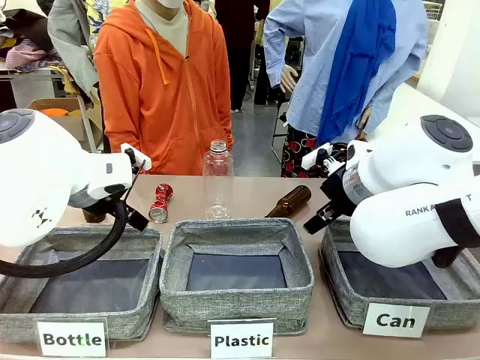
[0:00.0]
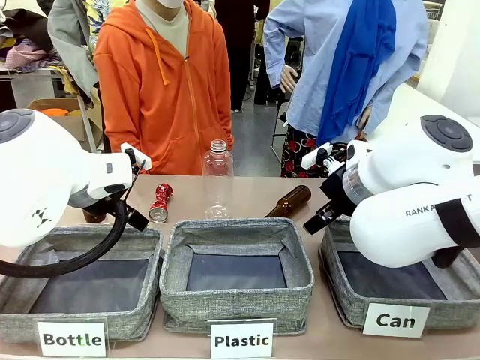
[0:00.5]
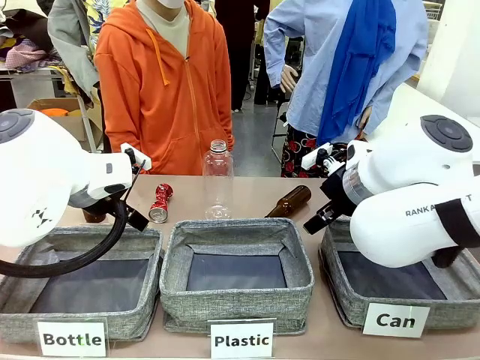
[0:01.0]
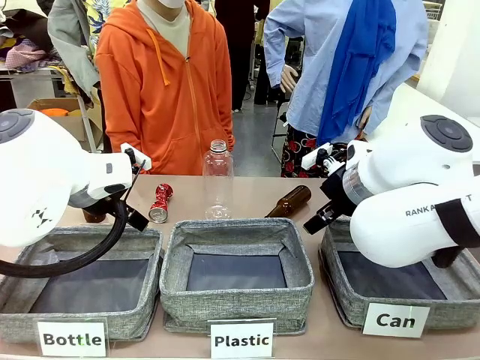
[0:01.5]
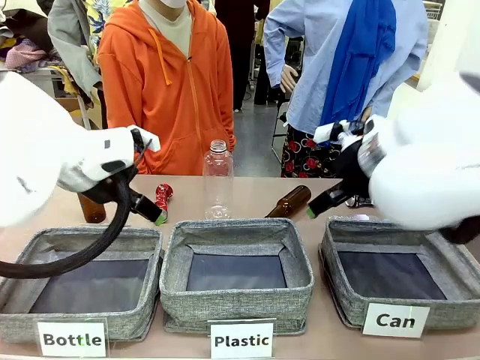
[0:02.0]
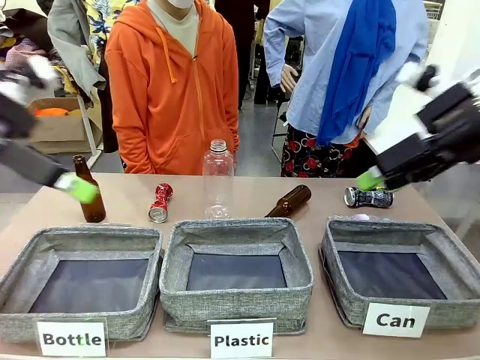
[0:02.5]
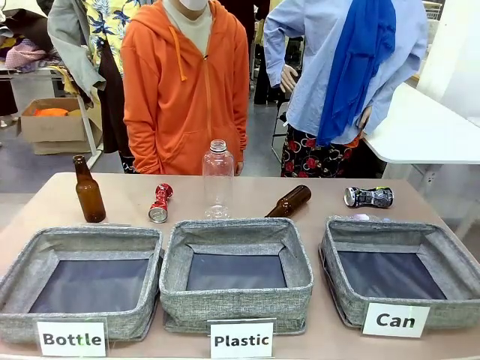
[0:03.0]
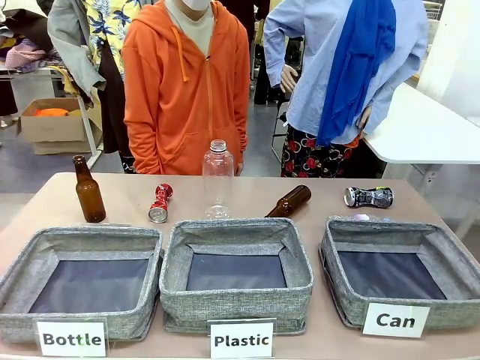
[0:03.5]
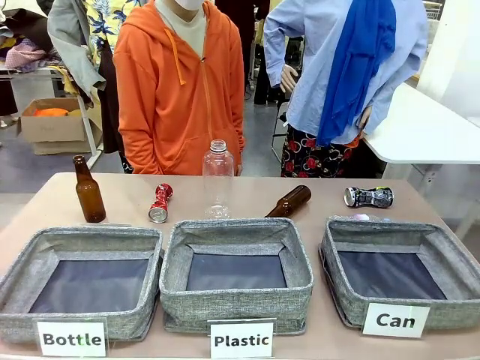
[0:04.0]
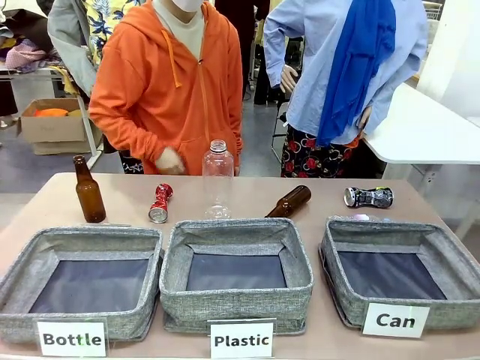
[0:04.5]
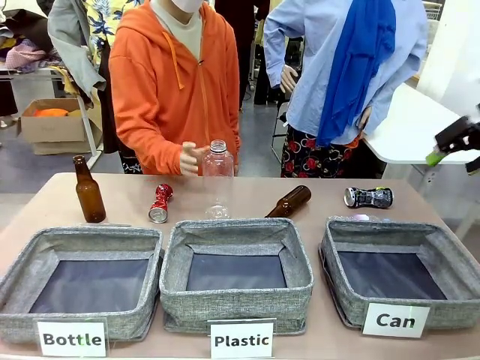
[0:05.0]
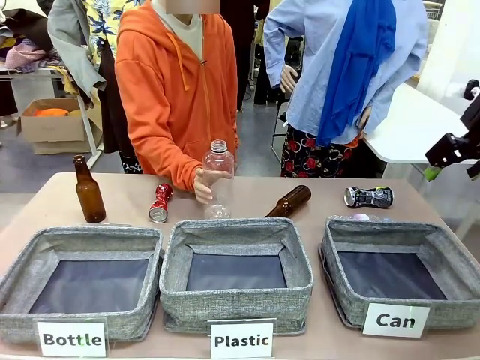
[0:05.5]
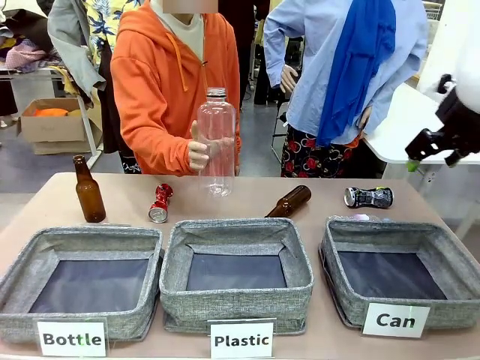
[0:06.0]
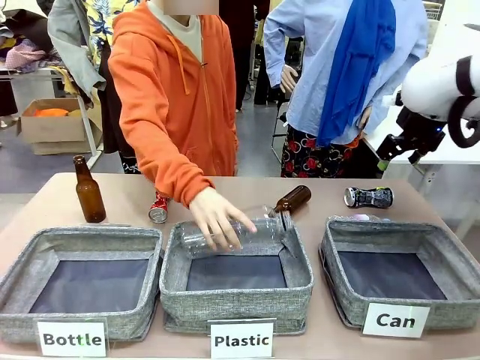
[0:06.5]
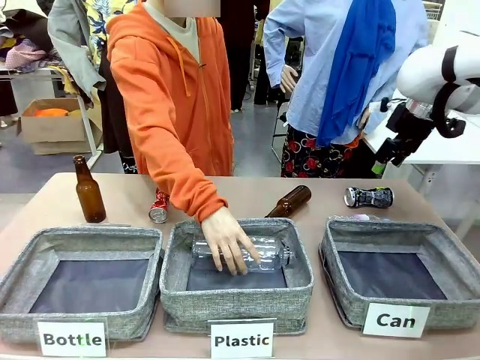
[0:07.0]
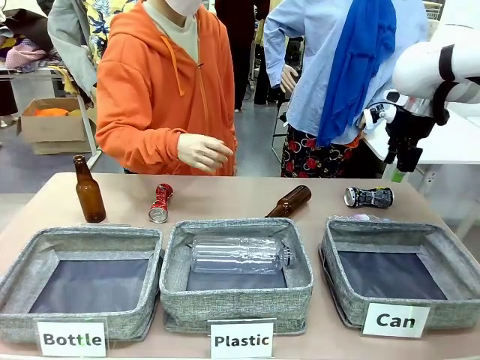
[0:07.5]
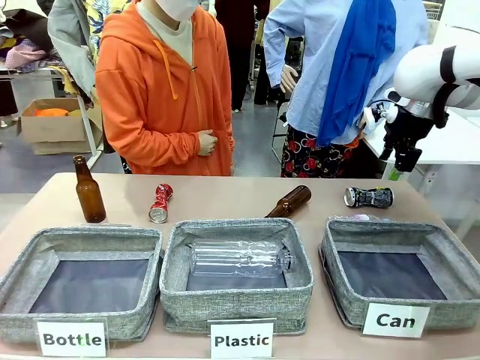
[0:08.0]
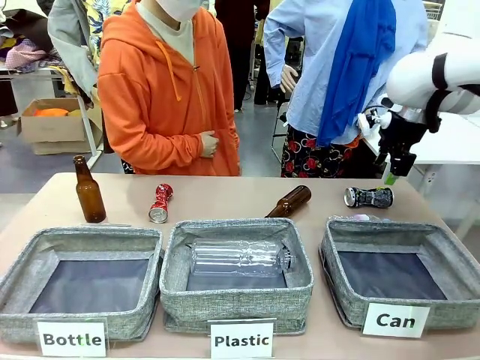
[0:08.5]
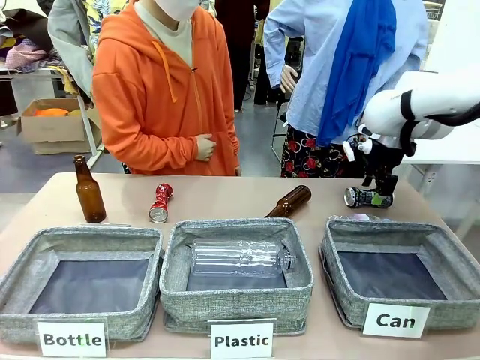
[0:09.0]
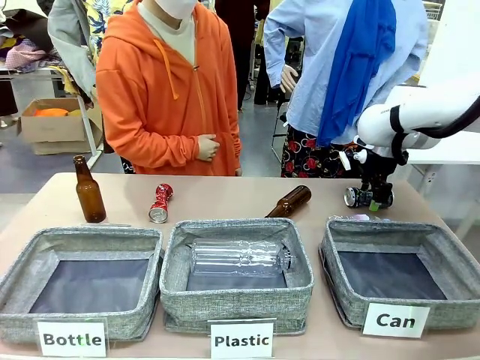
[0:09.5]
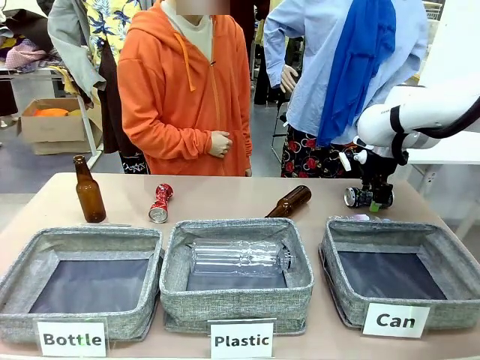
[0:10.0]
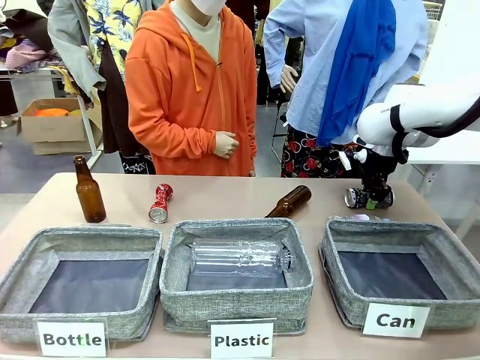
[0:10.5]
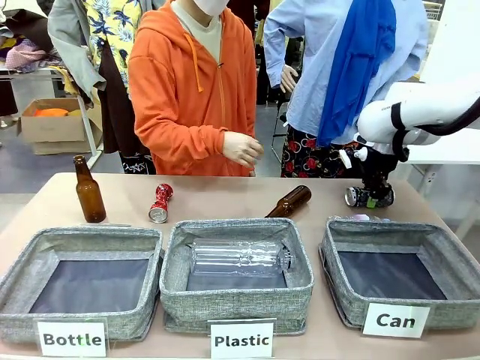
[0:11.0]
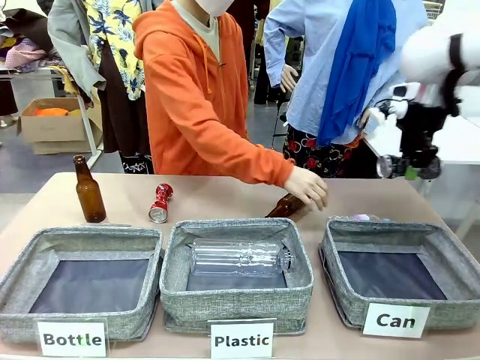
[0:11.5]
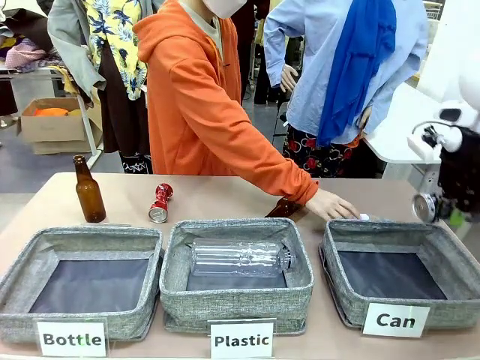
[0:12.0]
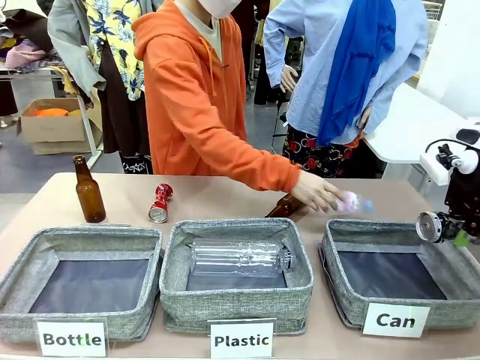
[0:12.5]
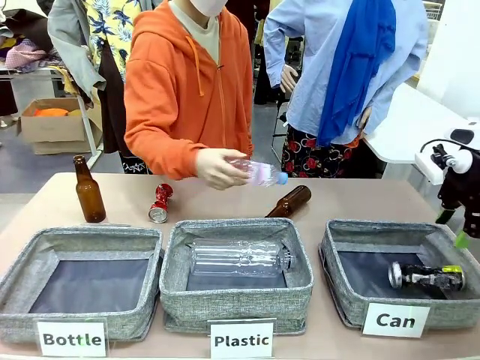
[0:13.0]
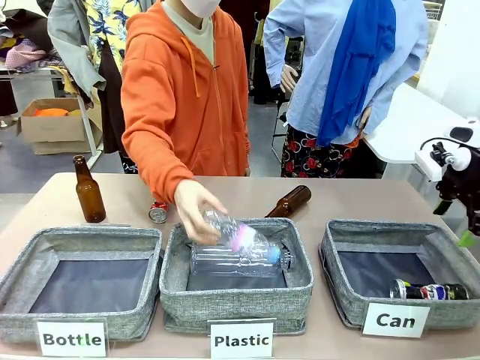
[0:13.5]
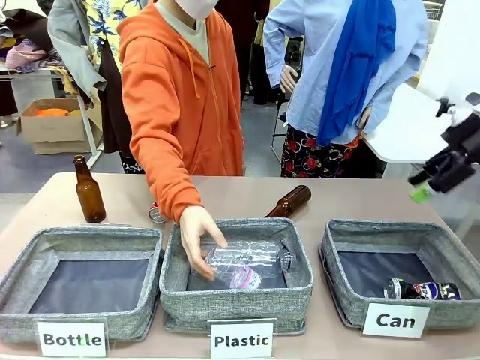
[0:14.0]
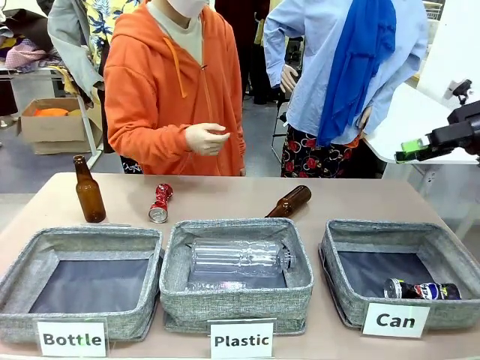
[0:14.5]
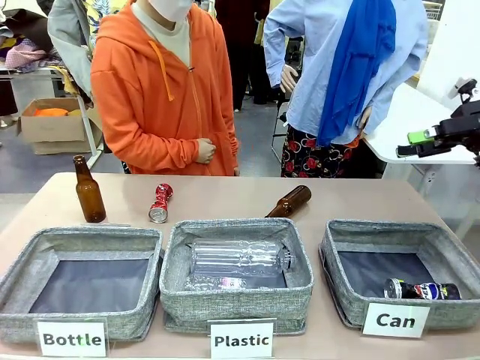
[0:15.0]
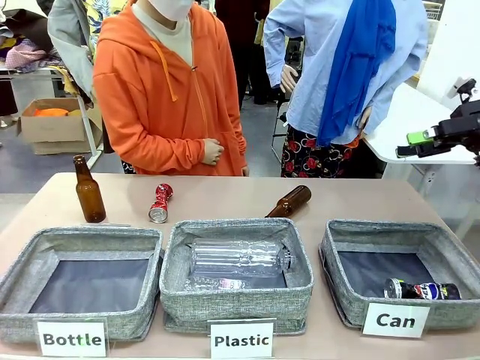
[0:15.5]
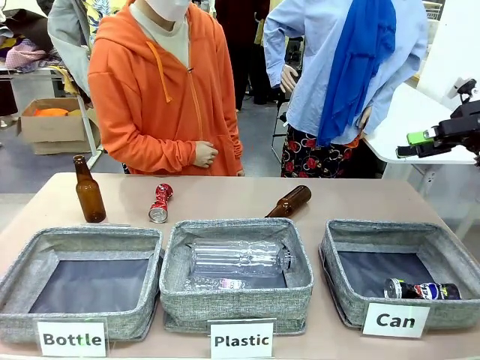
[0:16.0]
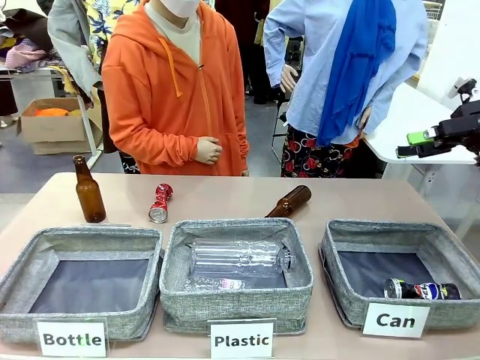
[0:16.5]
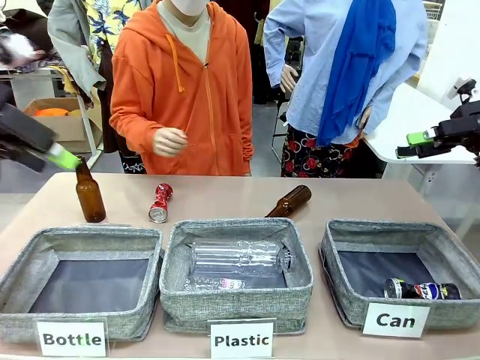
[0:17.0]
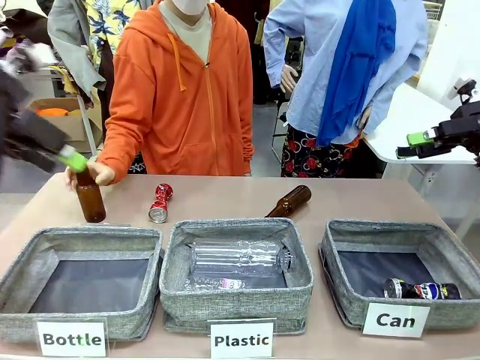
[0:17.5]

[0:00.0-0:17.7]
Task: Sort the can waste into the basket.
Robot: Pick up the can waste from the table and place it in the right Fabric basket.
